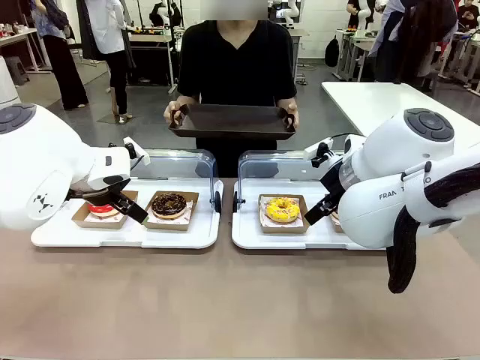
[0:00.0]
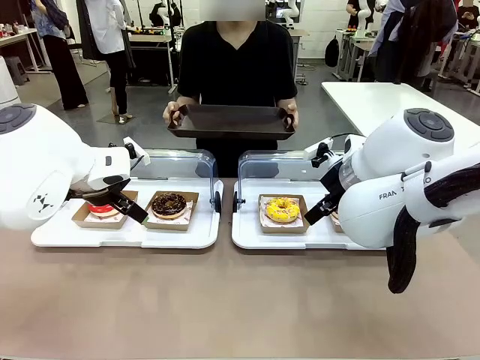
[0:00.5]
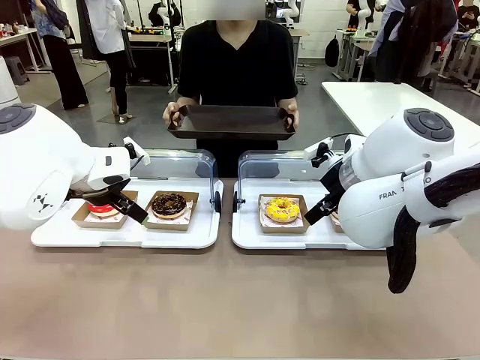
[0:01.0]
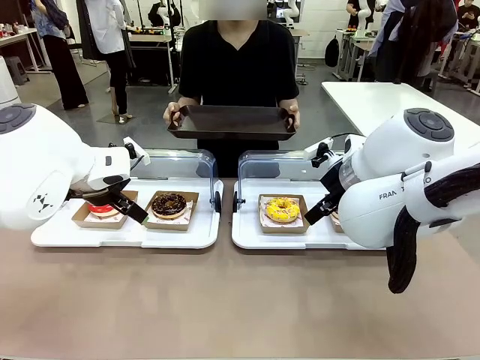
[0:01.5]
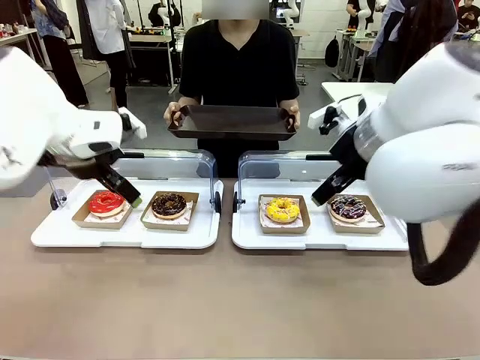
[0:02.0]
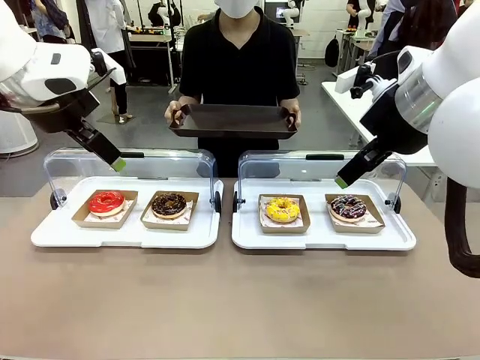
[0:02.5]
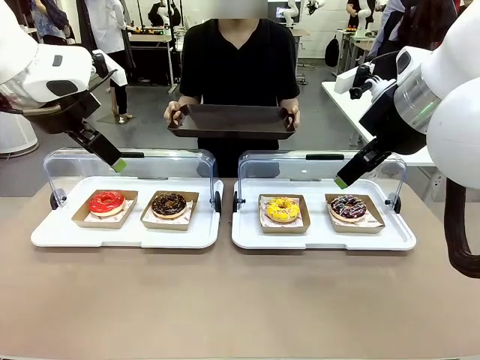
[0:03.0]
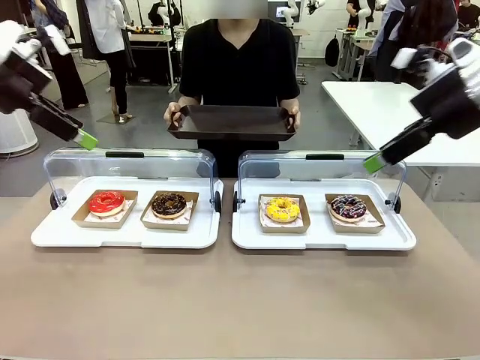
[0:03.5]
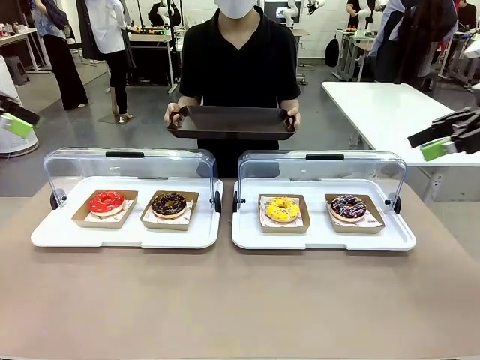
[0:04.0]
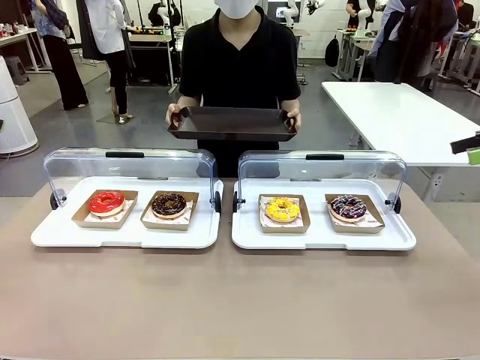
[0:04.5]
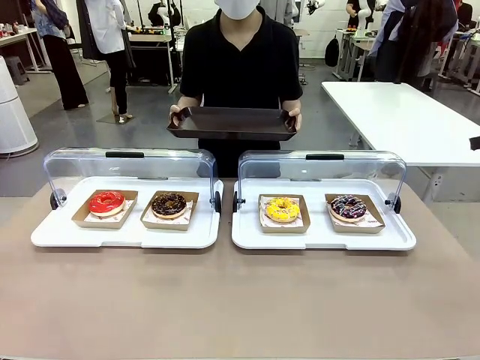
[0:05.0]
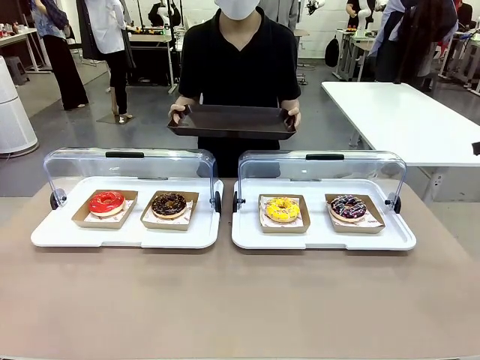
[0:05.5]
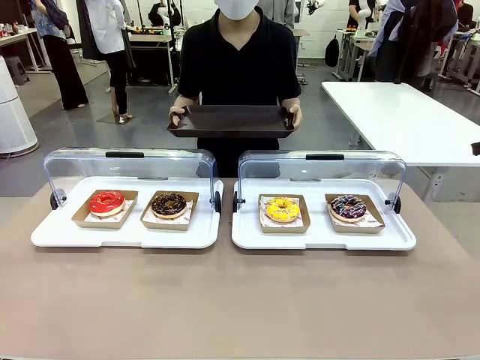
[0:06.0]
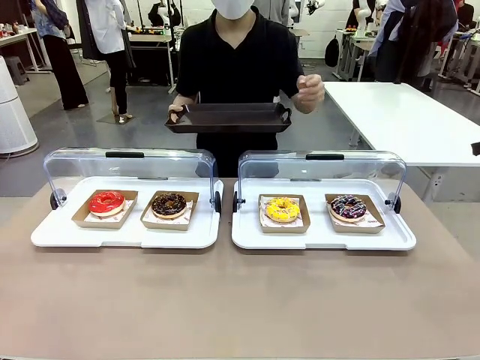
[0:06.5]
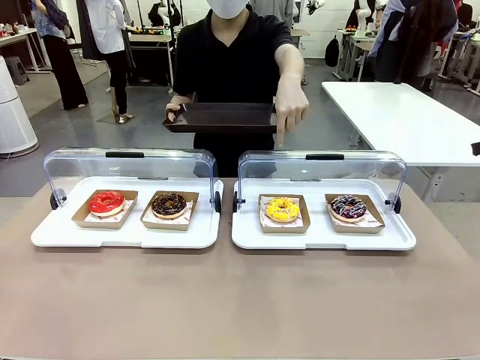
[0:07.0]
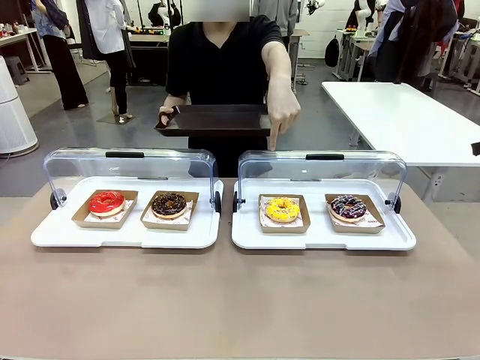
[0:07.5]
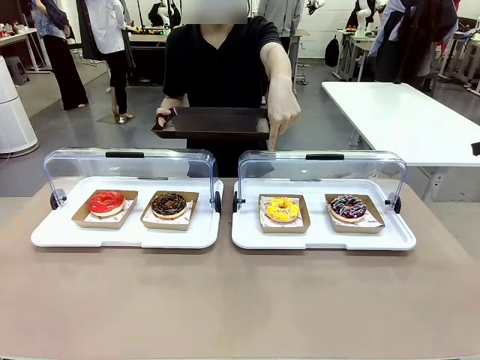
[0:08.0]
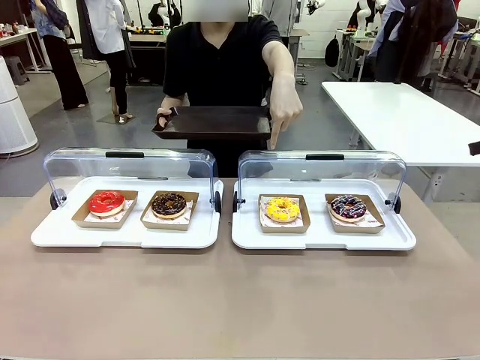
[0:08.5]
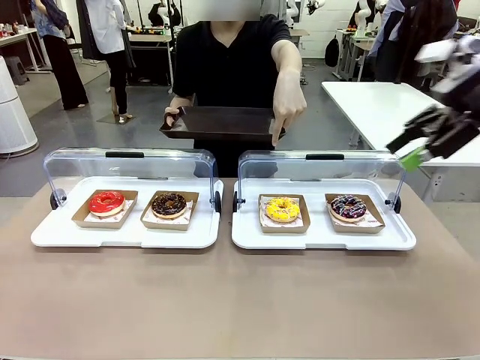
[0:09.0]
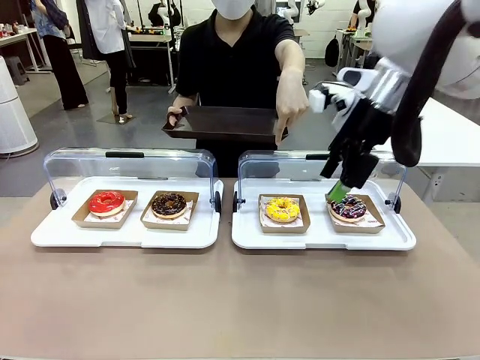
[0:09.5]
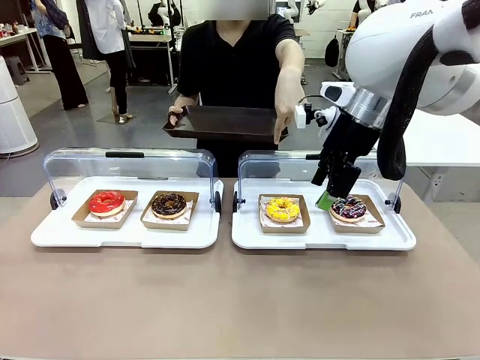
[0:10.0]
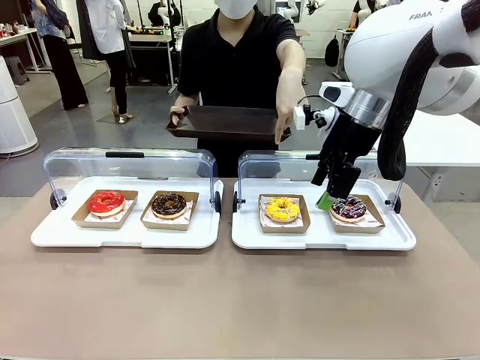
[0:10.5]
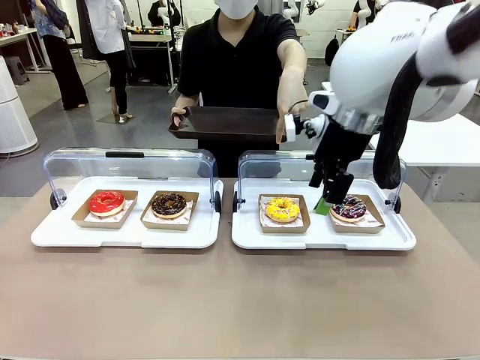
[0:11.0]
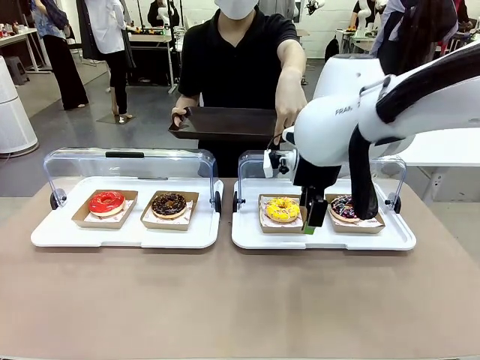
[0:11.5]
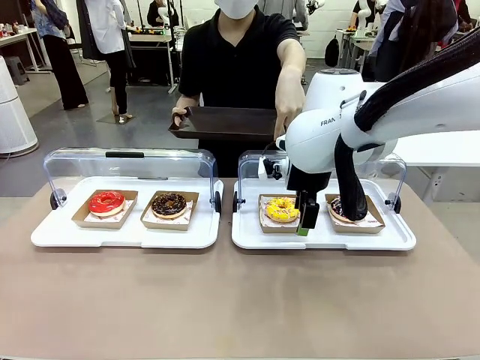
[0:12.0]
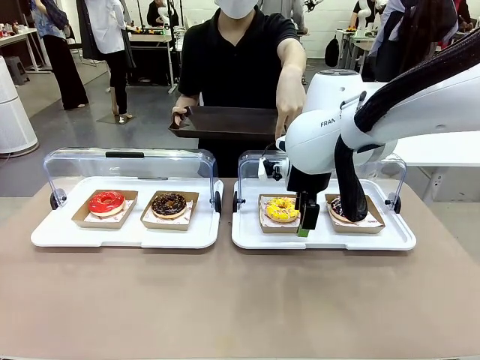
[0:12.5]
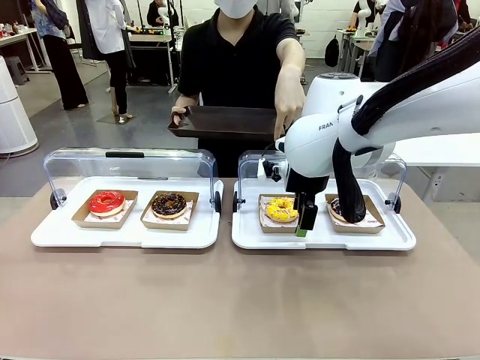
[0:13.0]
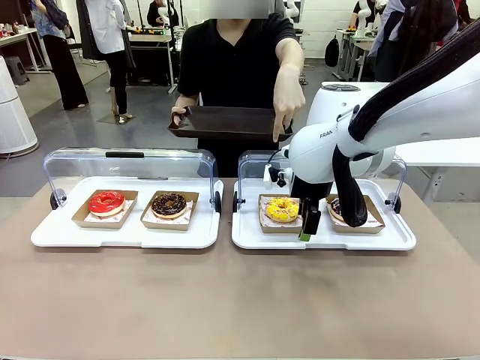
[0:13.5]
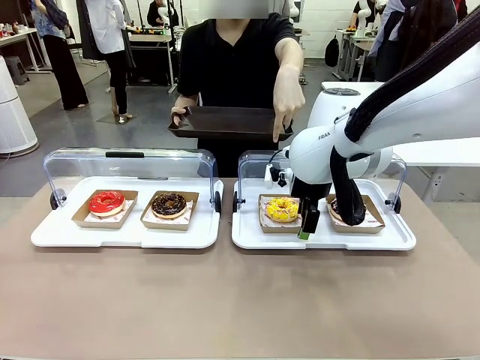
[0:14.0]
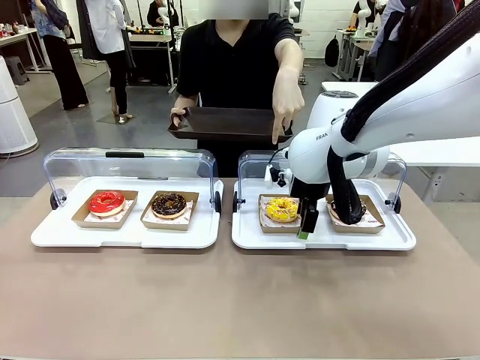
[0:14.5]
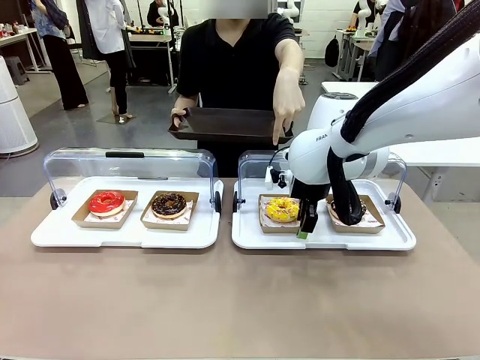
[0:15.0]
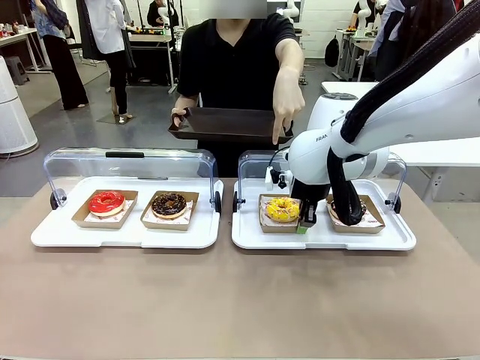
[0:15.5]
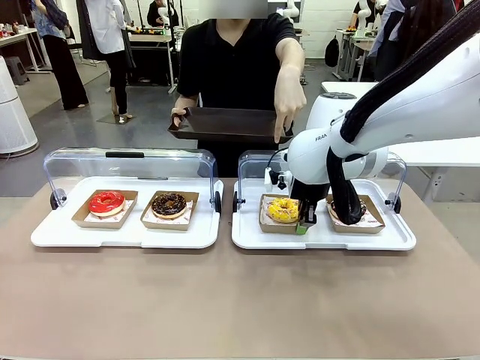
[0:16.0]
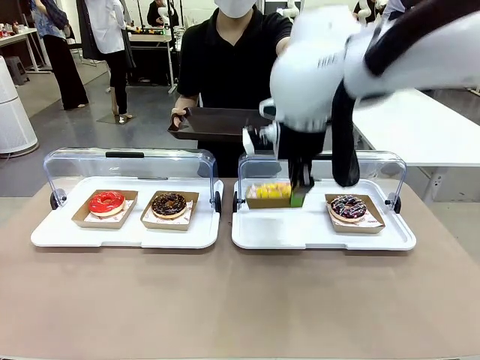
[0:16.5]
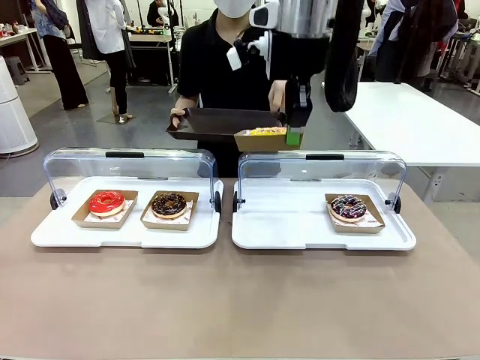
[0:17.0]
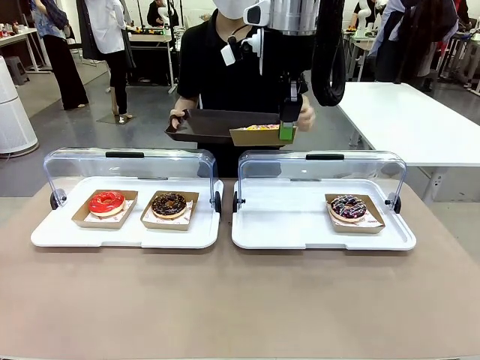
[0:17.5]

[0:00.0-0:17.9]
Task: Provide the desired donut to the person.
Robot: Pick up and lift the Paper togo box containing the Donut pointed at by the person.
Person: Point to one donut. Lift the tray onto the Roll-Top Bakery Case.

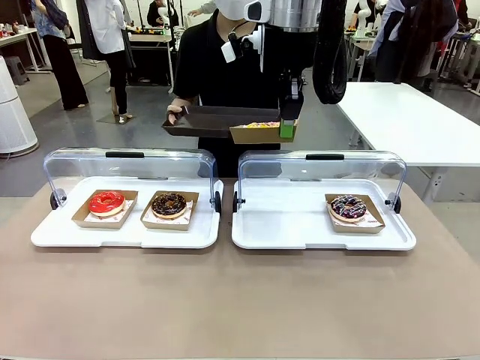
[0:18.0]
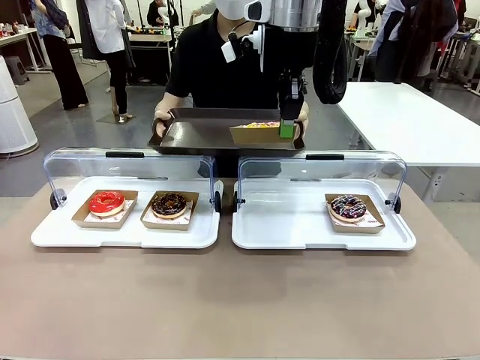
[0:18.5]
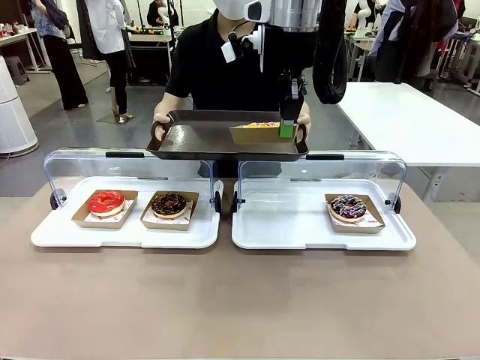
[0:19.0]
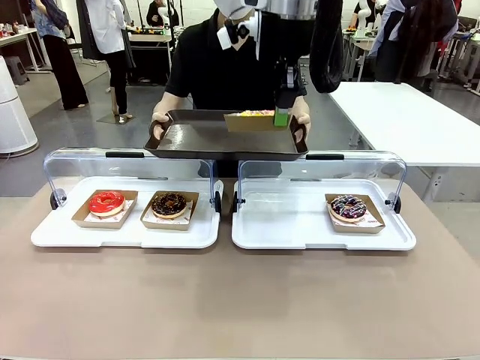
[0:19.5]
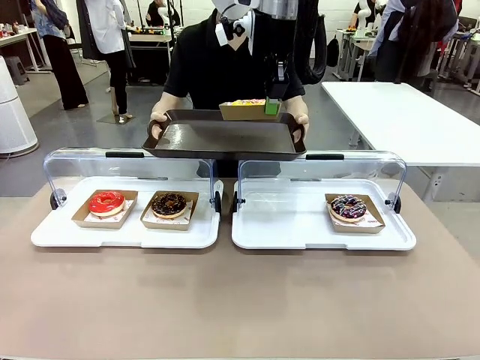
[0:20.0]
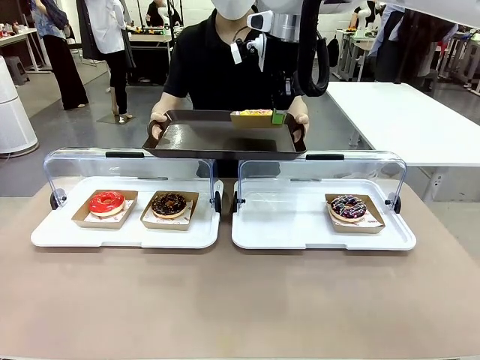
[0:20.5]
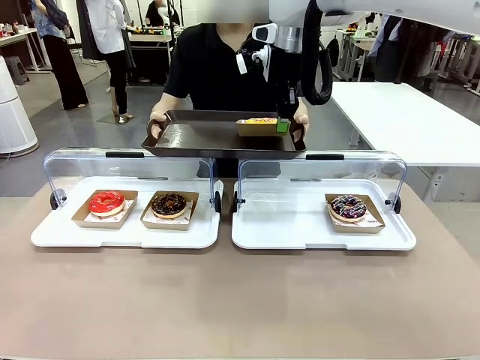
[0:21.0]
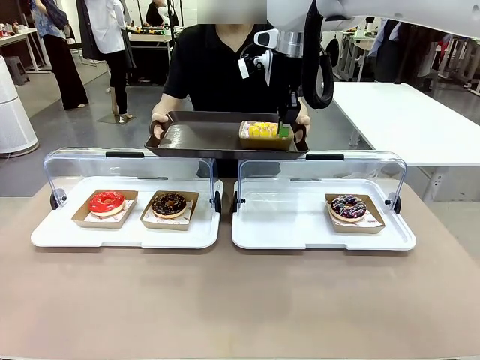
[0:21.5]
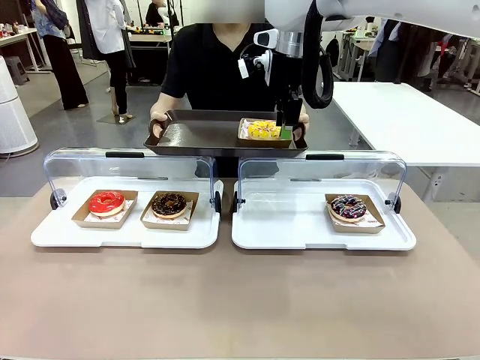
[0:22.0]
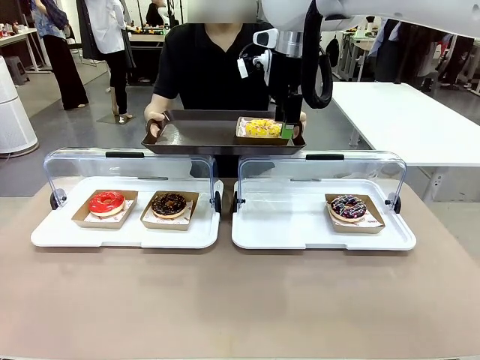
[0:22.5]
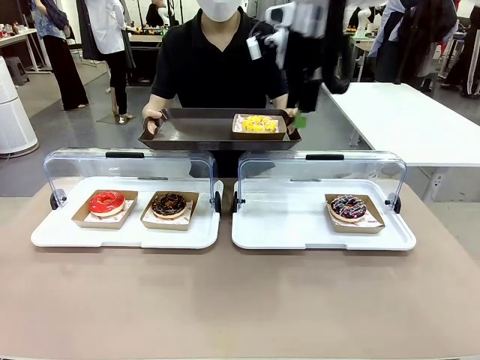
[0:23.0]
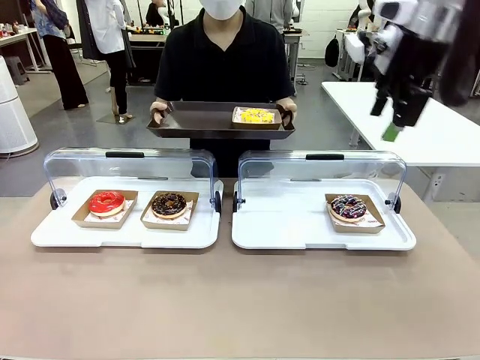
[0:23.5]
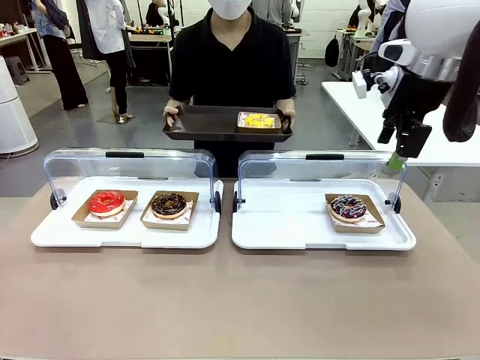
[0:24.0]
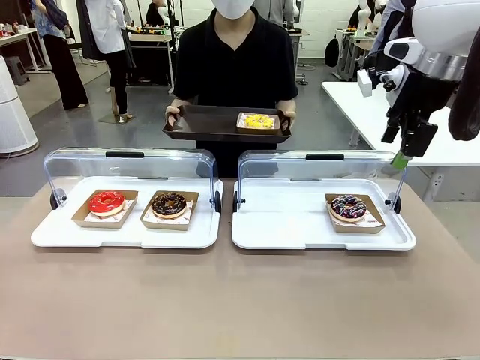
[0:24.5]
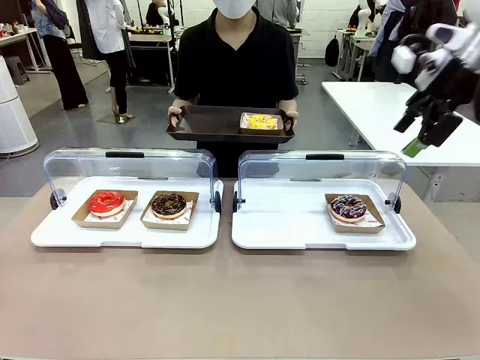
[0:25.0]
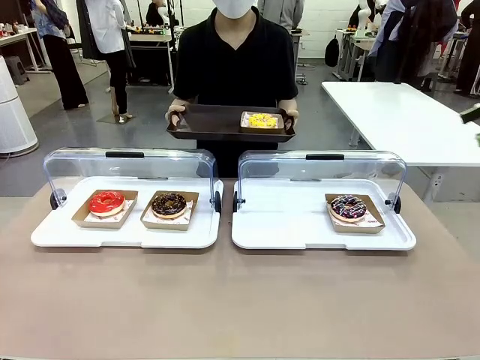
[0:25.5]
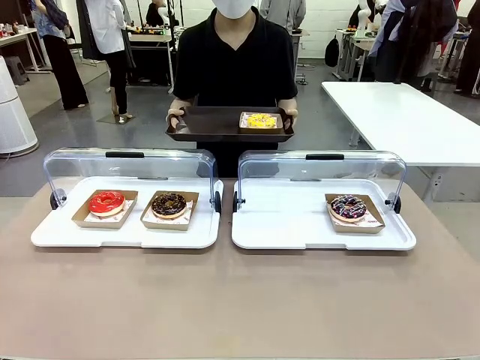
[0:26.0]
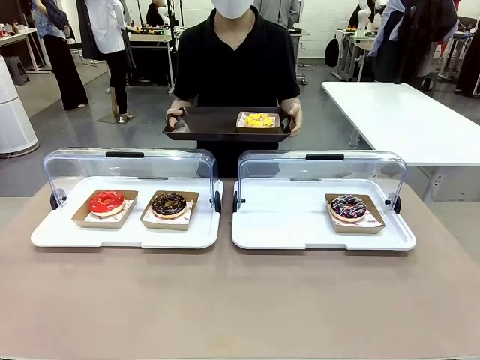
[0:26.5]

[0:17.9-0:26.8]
Robot: Place the picked Paper togo box onto the Handle tray extended by the person.
Person: Point to one donut.
